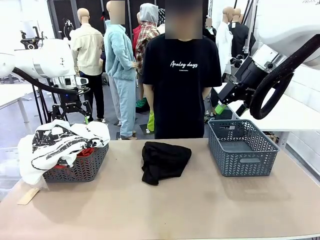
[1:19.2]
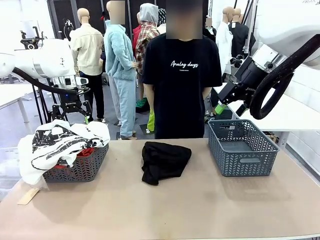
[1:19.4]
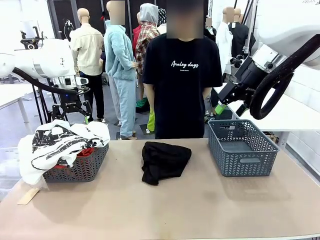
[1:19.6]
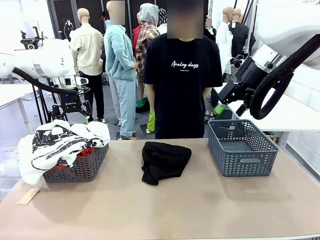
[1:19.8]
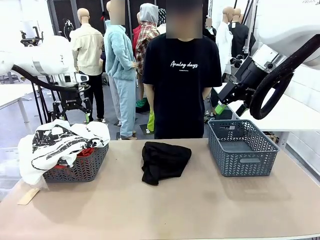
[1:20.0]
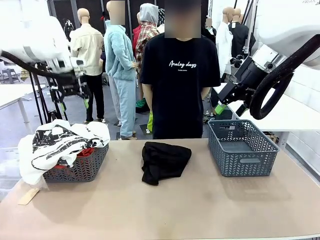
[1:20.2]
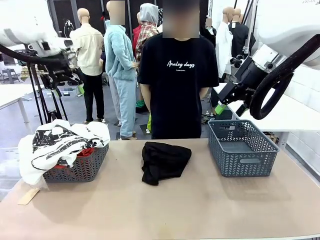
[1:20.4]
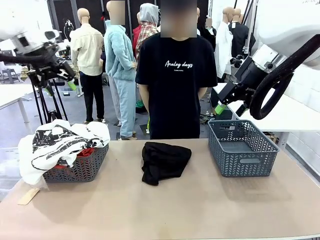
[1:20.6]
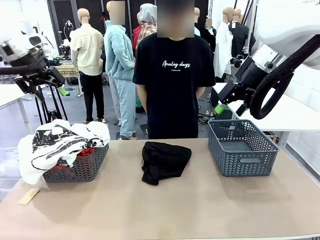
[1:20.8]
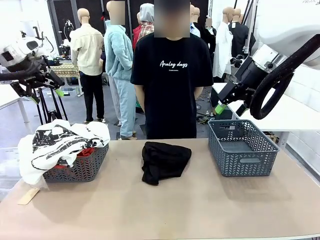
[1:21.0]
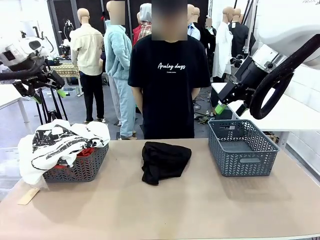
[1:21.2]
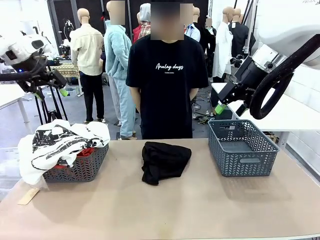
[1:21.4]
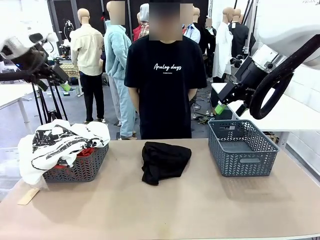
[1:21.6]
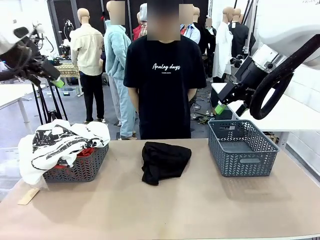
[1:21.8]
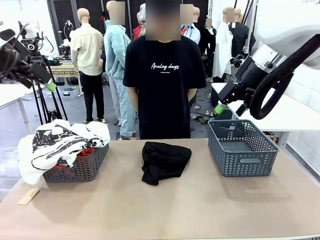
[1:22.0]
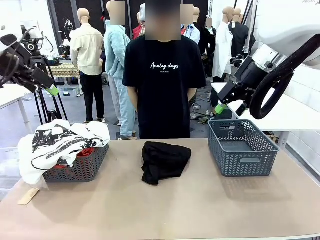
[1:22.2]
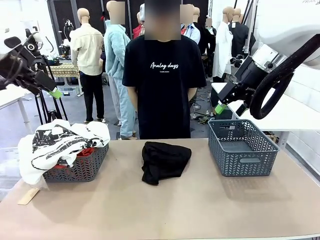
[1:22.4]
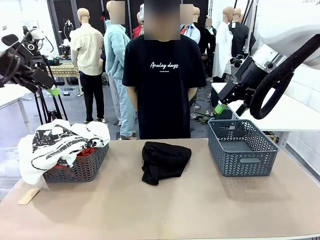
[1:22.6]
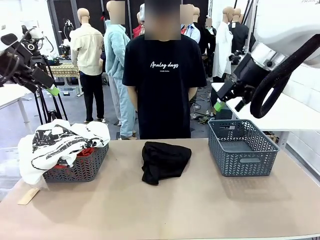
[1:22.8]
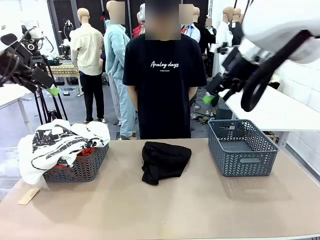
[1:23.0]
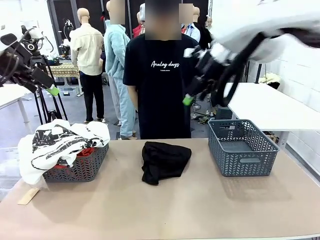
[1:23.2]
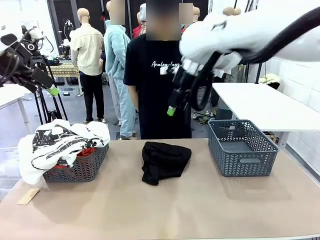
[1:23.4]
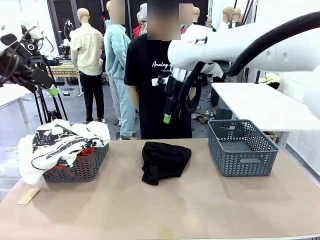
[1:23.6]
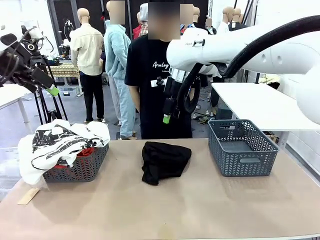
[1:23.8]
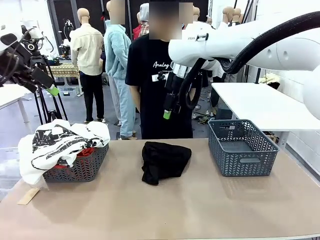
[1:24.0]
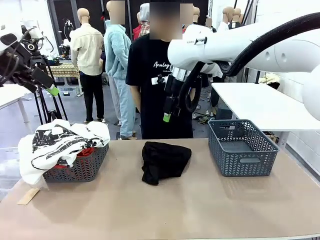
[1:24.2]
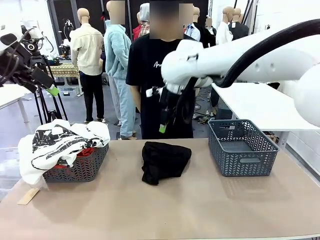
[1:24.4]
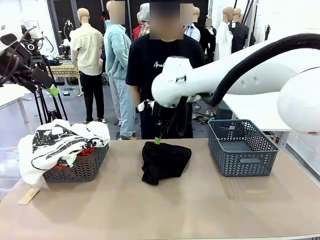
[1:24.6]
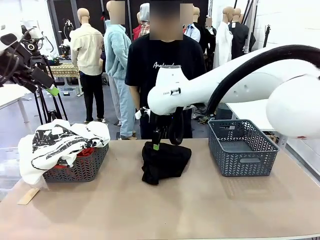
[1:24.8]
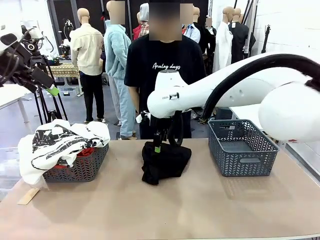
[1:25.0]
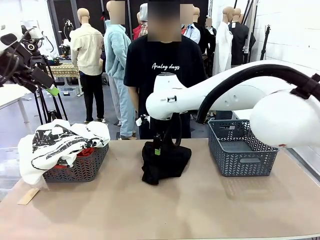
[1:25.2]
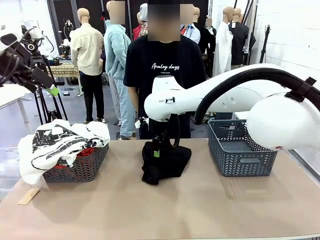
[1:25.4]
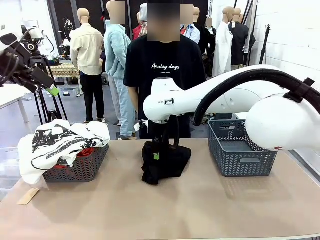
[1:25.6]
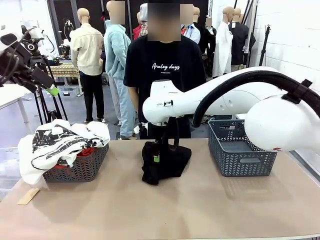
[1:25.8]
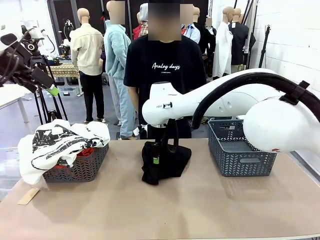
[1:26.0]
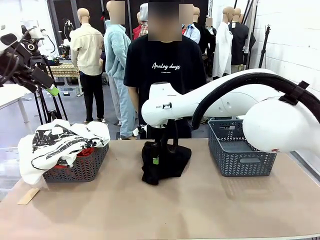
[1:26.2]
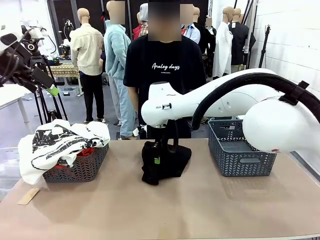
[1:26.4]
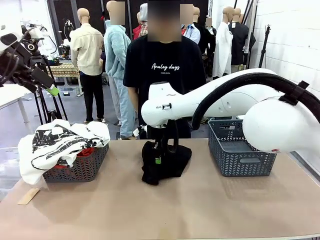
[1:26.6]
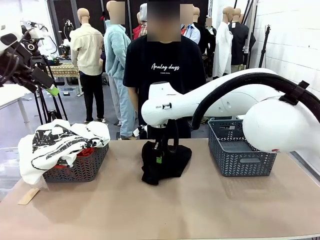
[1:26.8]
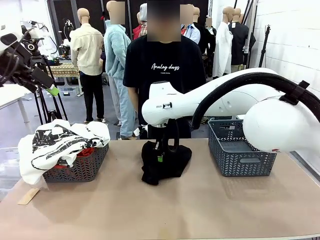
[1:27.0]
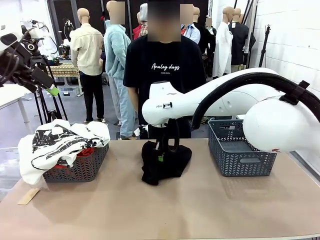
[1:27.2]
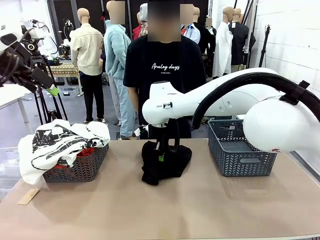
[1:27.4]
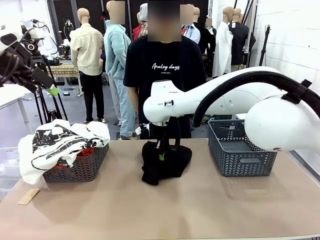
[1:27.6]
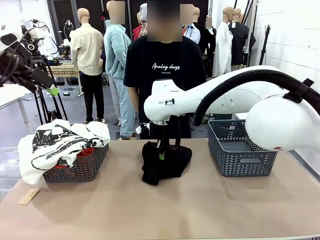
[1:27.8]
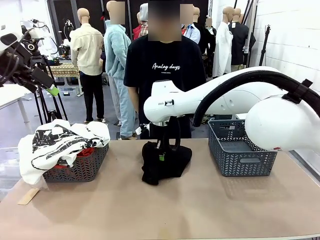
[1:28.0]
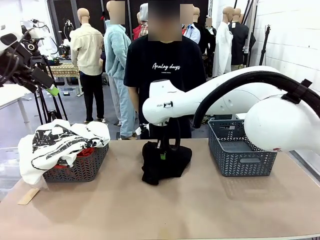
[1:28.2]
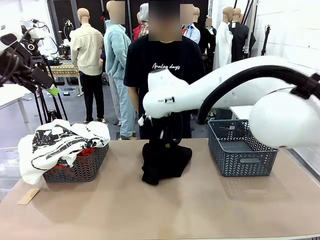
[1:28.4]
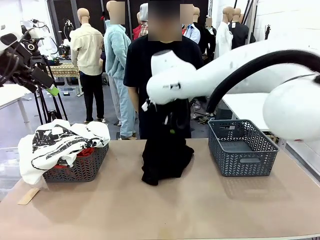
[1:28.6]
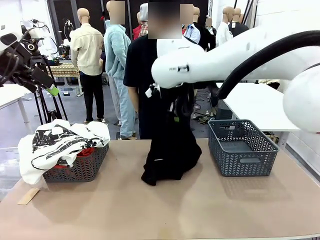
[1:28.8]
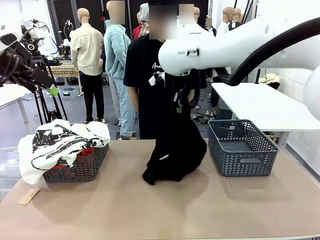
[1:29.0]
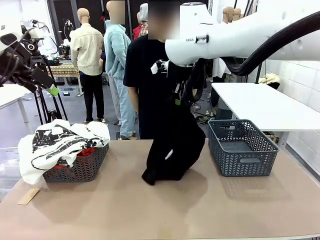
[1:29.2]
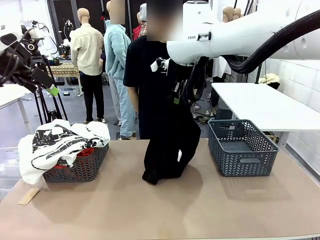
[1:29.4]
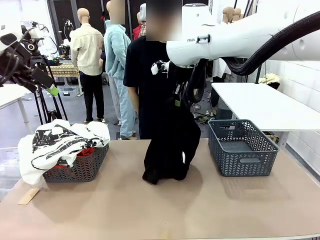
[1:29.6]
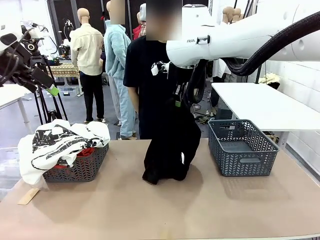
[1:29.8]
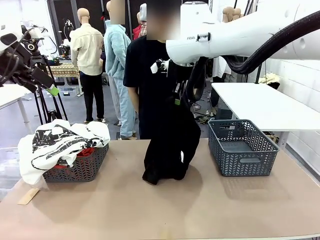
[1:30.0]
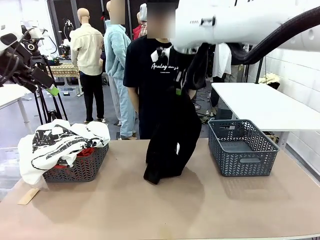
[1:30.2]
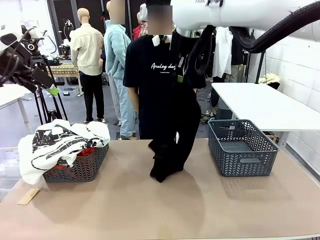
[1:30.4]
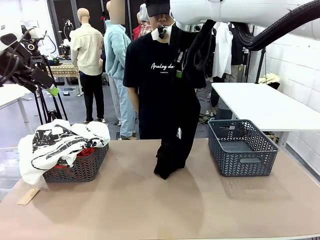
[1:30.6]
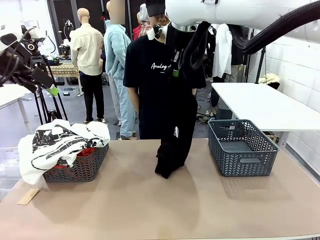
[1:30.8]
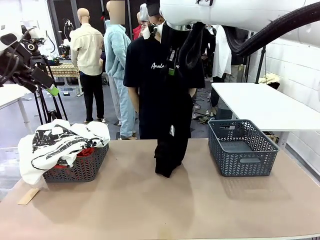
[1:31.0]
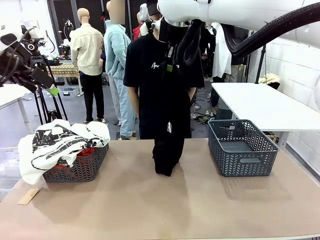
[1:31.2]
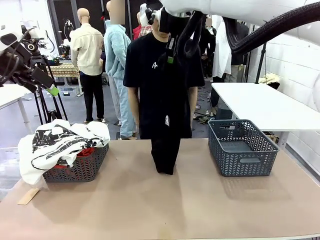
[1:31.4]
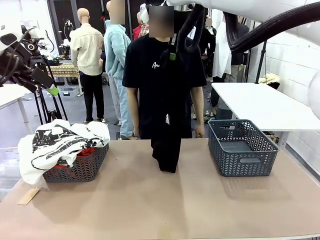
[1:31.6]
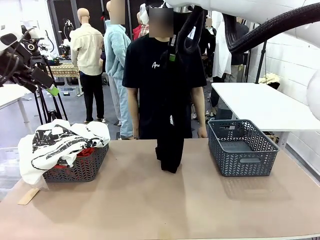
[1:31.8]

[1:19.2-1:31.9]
Task: Sort the tops and bottoms.
Robot: Lift clothes from the center of the table with your right hand.

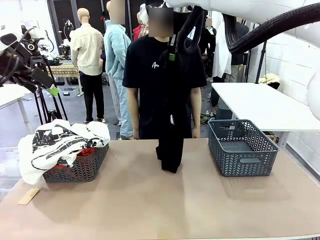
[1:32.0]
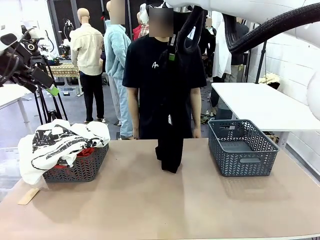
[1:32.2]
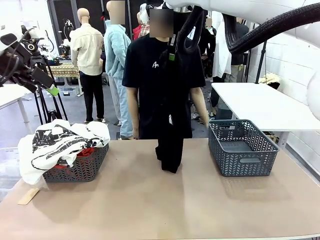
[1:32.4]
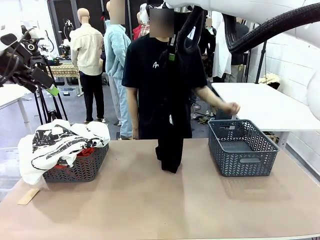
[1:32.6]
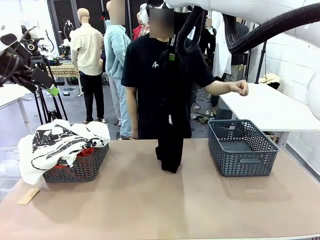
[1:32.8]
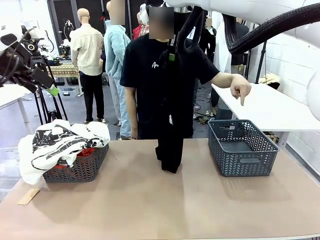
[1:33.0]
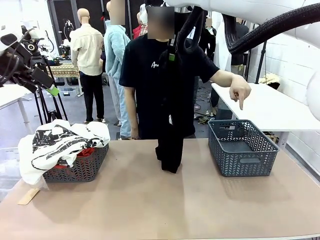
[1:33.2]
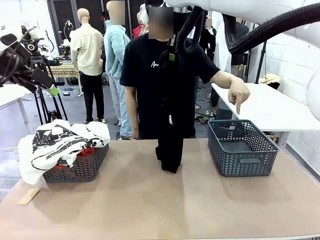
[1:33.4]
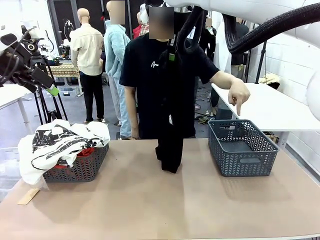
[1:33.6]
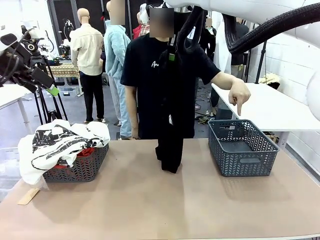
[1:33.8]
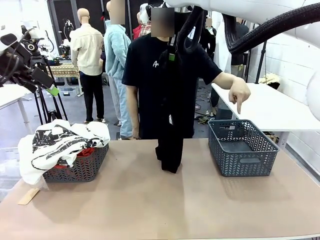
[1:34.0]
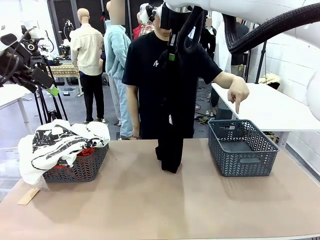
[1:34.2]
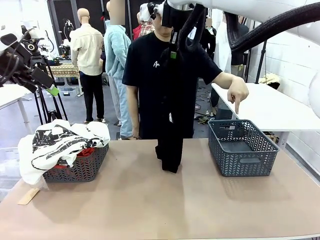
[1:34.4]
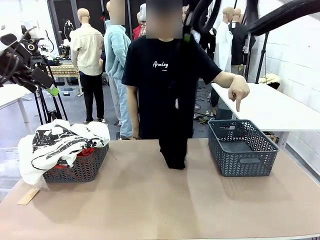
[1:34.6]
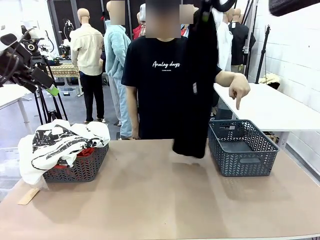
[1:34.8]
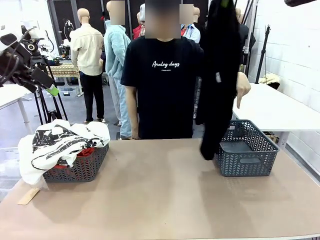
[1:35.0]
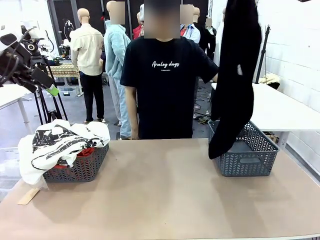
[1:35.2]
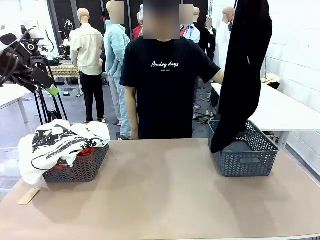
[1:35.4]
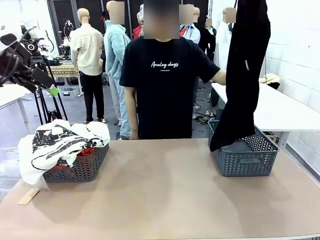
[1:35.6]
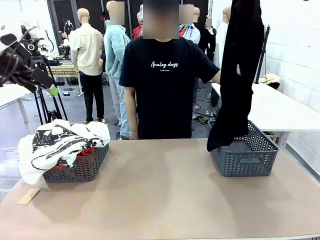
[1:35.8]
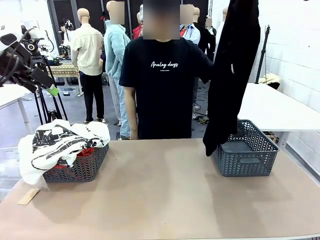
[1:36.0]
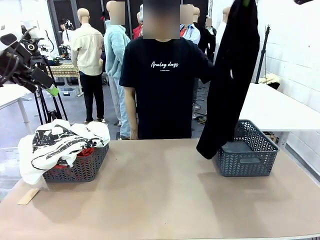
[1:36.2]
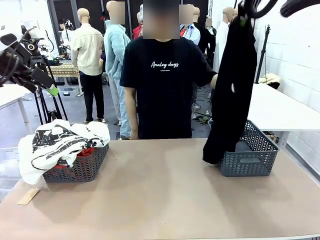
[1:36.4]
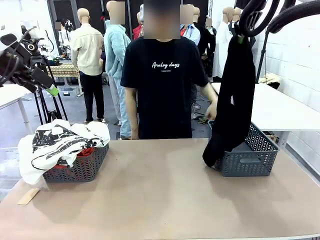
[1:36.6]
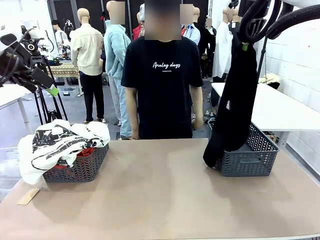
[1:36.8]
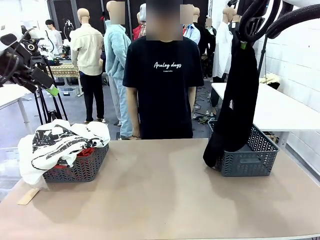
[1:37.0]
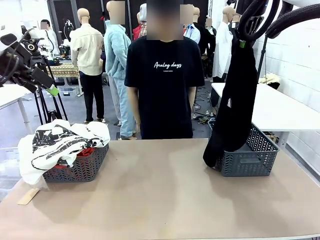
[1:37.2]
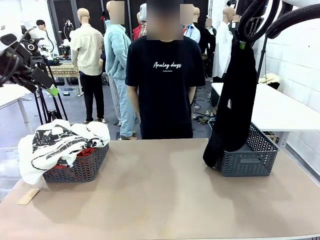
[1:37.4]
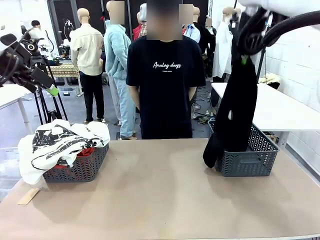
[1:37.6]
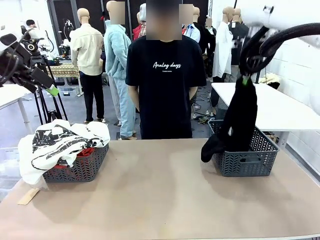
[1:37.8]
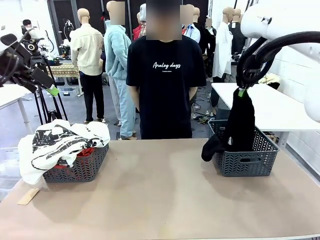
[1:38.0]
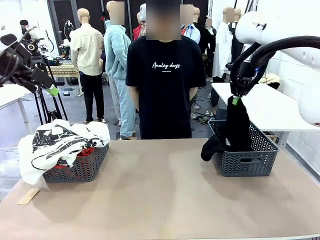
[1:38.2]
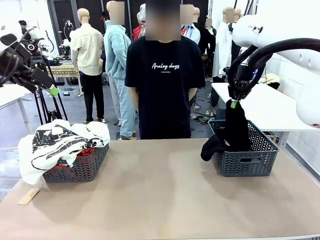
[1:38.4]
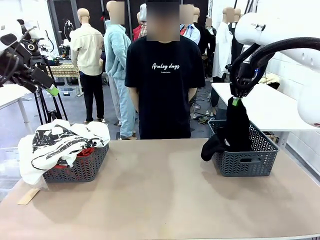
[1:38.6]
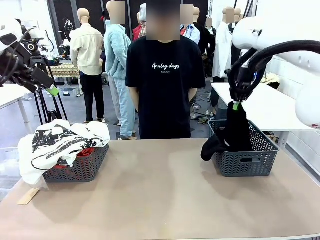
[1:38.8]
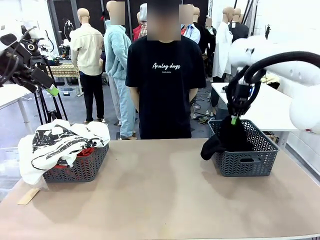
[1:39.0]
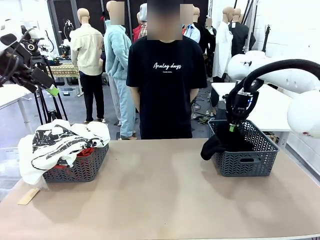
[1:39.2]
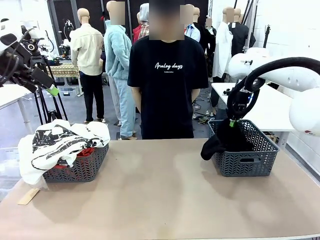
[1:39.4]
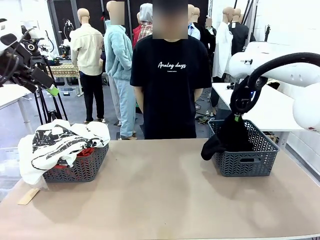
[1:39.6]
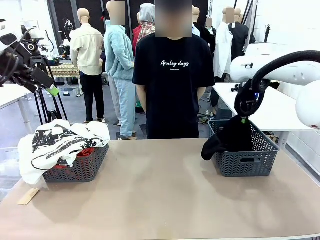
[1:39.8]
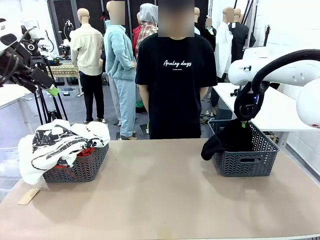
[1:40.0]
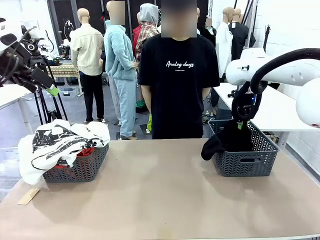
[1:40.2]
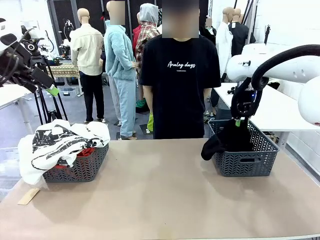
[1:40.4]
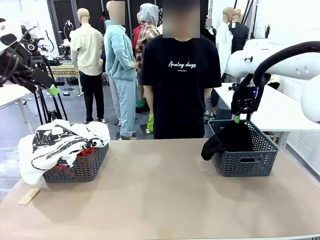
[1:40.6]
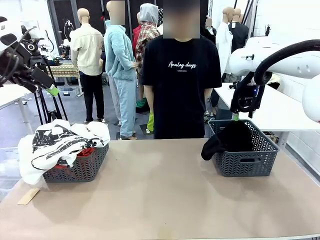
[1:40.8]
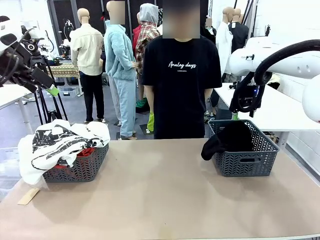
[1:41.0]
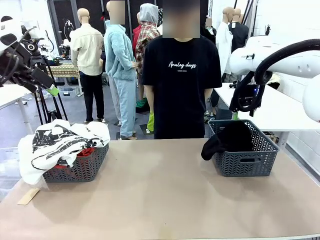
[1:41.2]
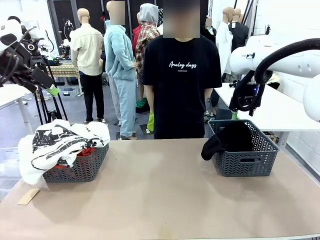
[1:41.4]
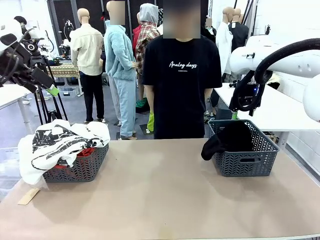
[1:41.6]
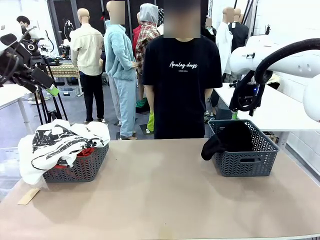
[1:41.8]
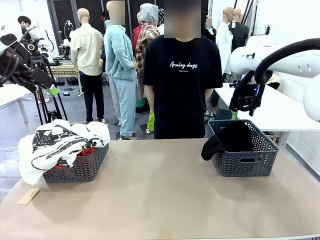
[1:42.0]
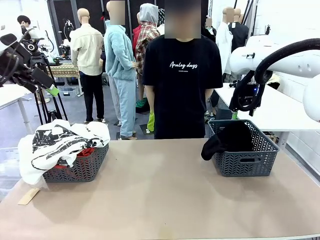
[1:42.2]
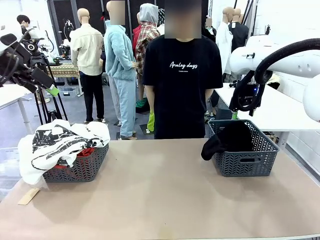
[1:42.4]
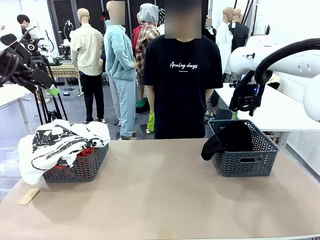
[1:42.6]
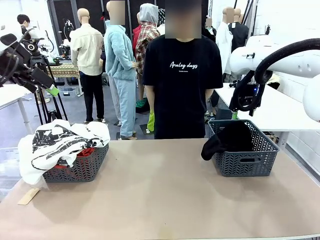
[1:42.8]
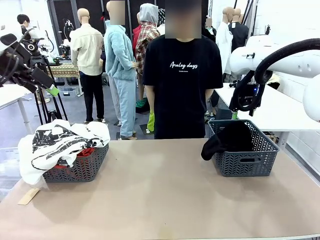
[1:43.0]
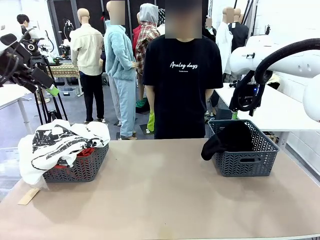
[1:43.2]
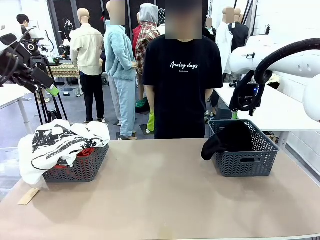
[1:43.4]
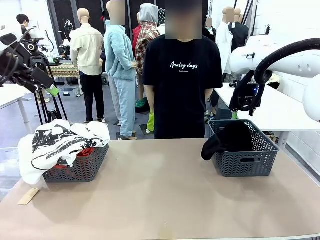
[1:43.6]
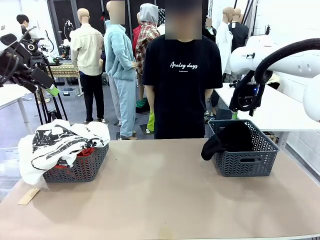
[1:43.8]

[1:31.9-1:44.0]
Robot: Sort the clothes according to human instructions.
